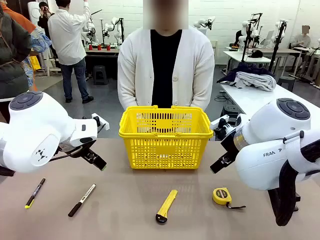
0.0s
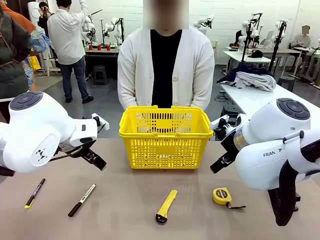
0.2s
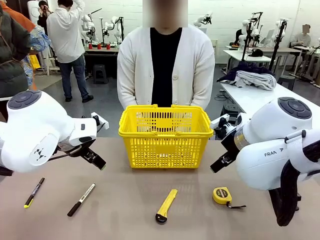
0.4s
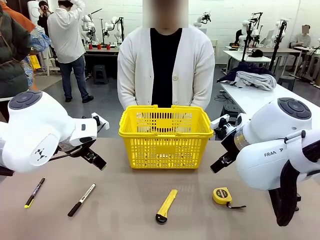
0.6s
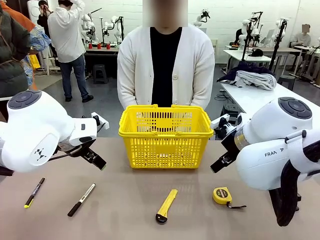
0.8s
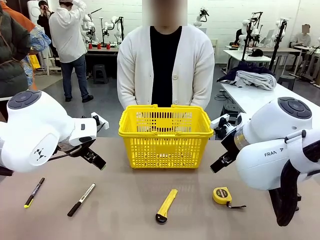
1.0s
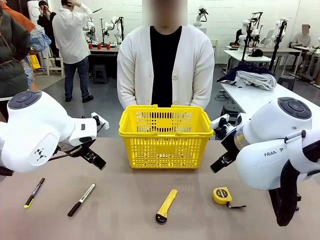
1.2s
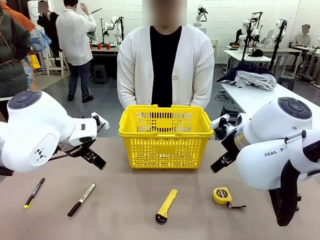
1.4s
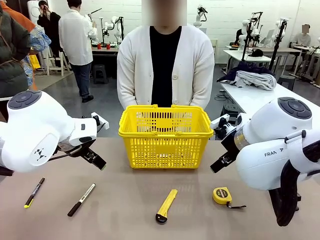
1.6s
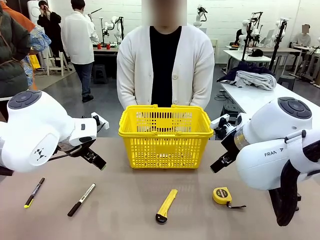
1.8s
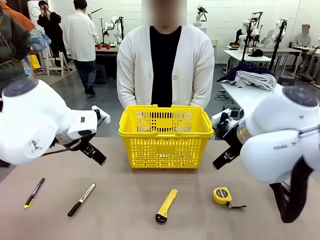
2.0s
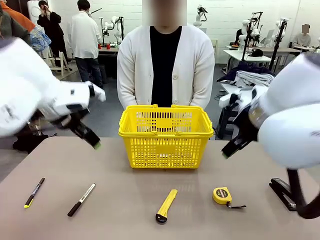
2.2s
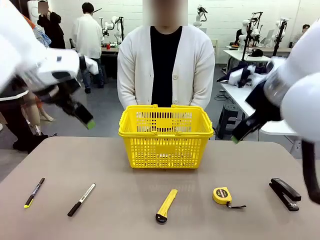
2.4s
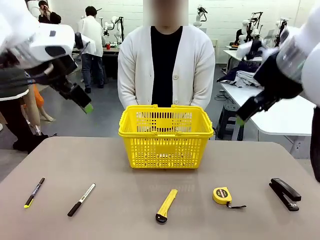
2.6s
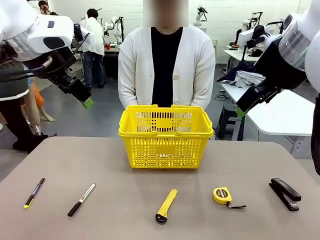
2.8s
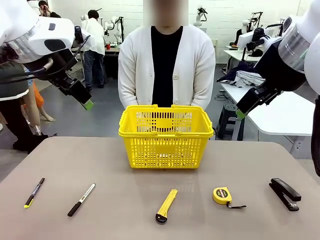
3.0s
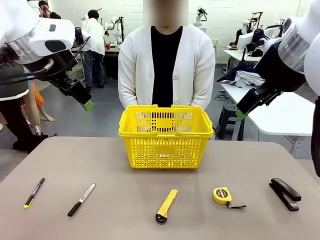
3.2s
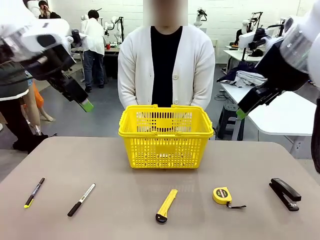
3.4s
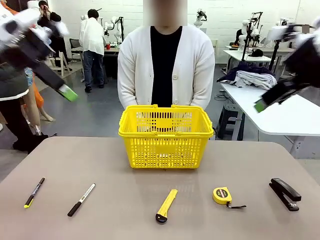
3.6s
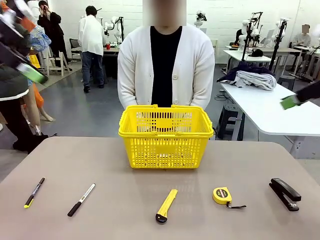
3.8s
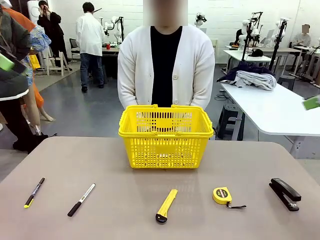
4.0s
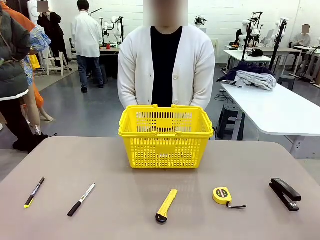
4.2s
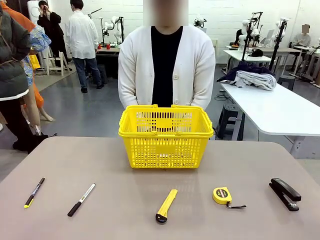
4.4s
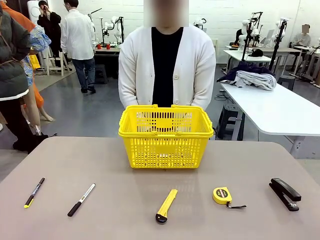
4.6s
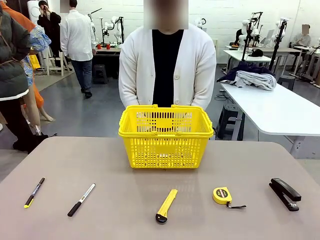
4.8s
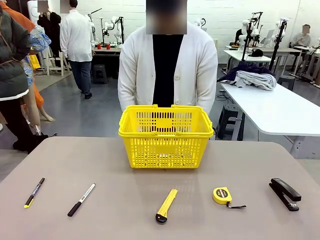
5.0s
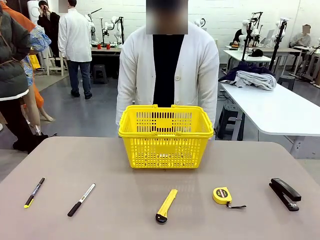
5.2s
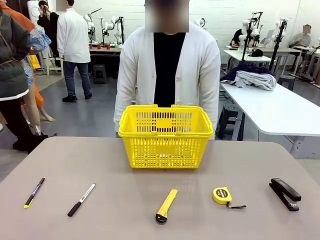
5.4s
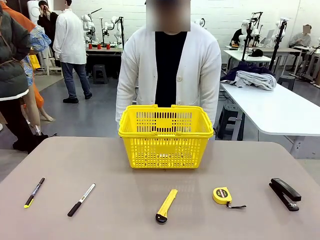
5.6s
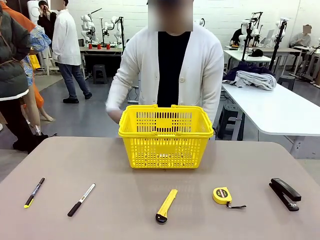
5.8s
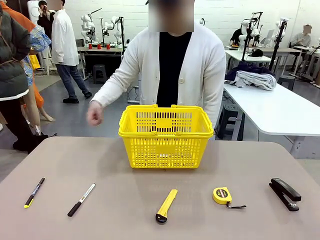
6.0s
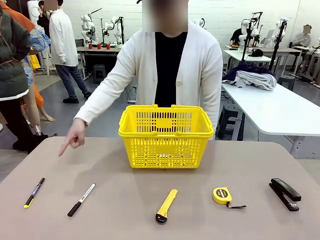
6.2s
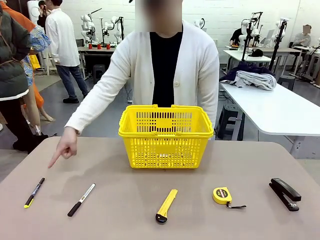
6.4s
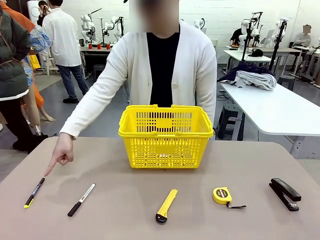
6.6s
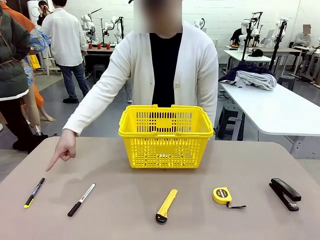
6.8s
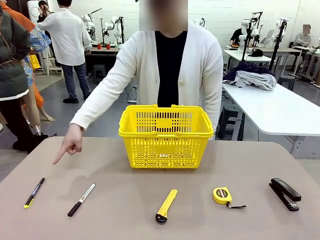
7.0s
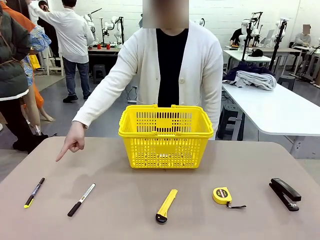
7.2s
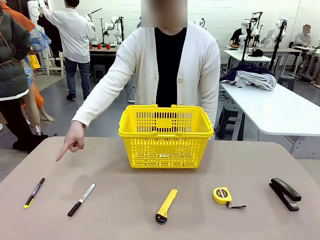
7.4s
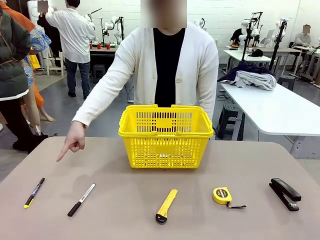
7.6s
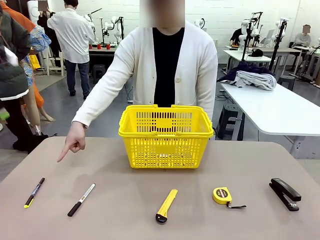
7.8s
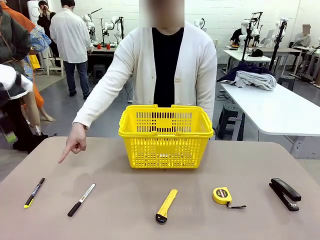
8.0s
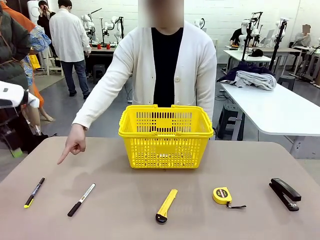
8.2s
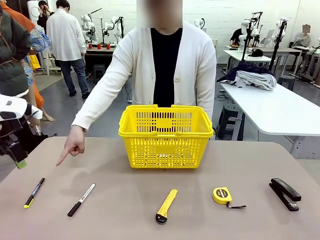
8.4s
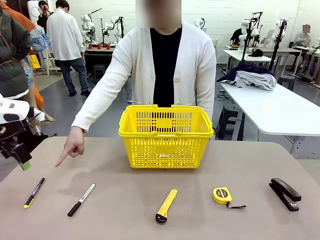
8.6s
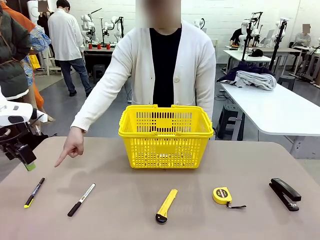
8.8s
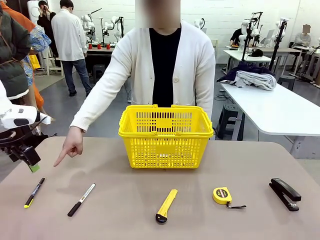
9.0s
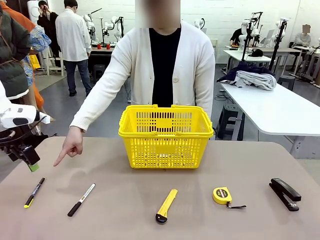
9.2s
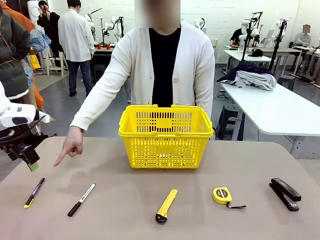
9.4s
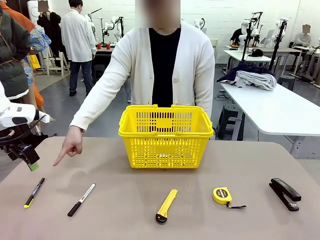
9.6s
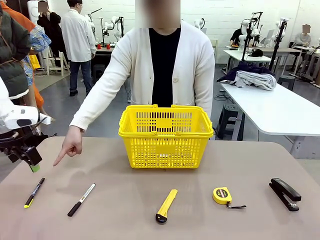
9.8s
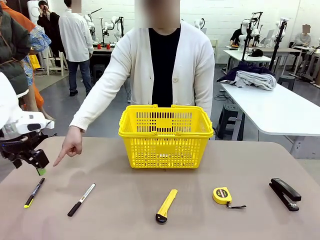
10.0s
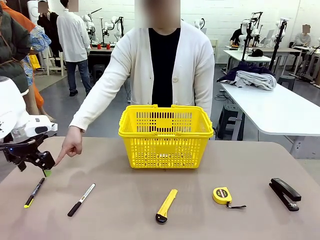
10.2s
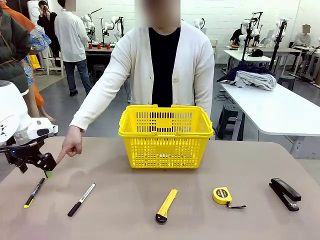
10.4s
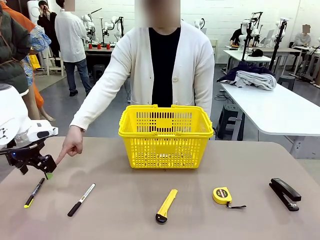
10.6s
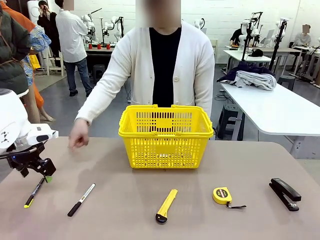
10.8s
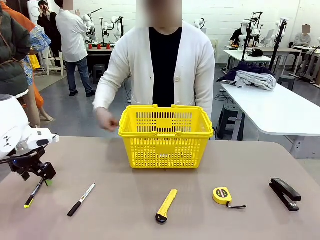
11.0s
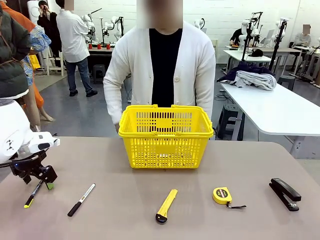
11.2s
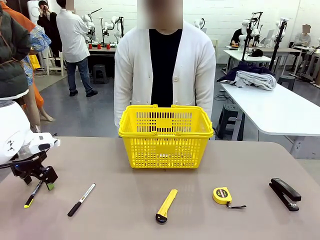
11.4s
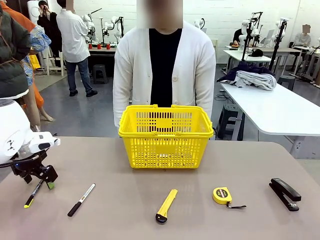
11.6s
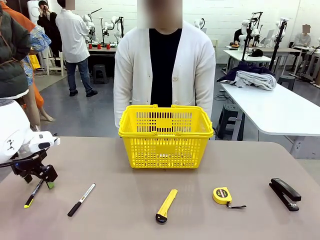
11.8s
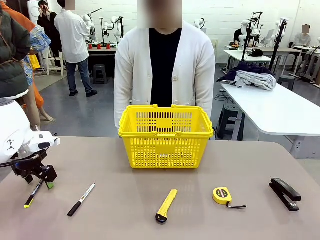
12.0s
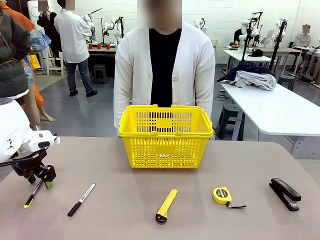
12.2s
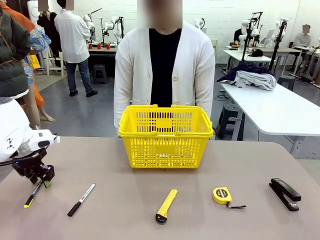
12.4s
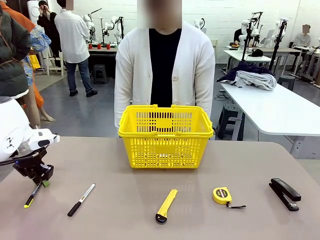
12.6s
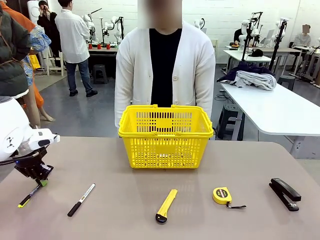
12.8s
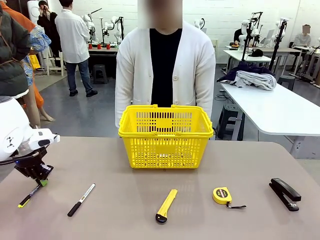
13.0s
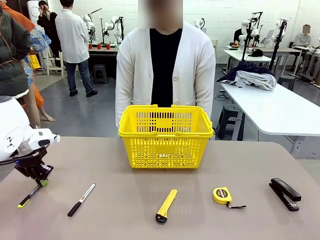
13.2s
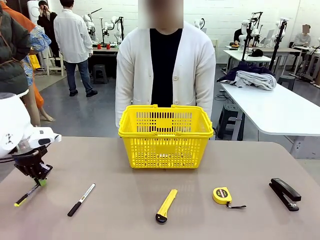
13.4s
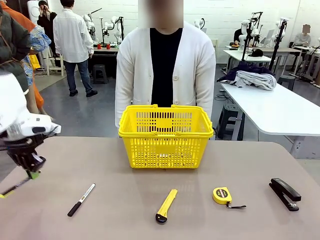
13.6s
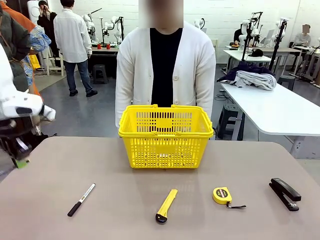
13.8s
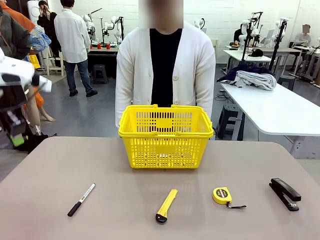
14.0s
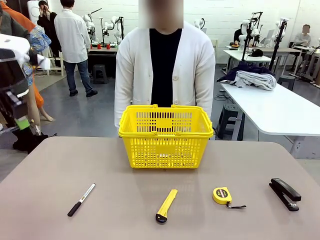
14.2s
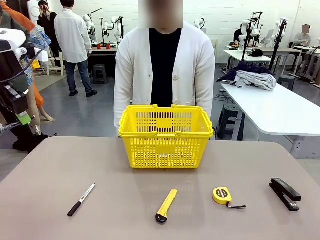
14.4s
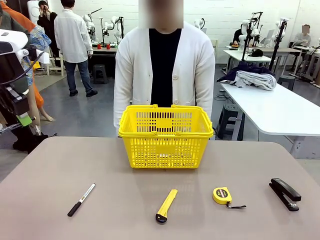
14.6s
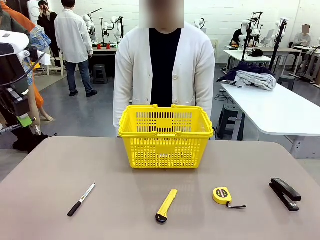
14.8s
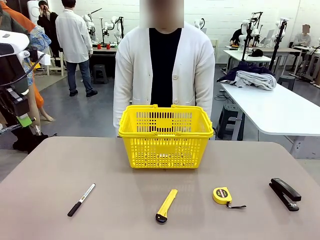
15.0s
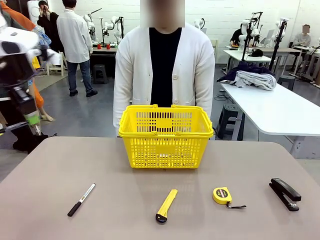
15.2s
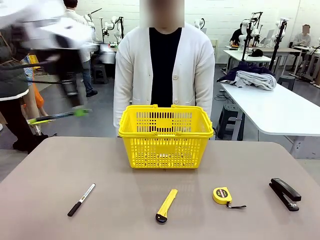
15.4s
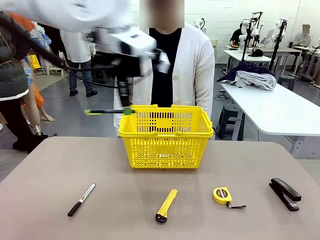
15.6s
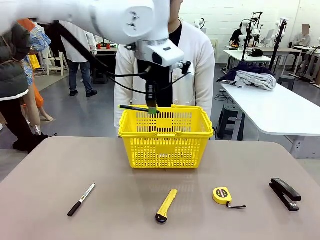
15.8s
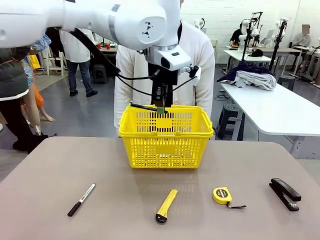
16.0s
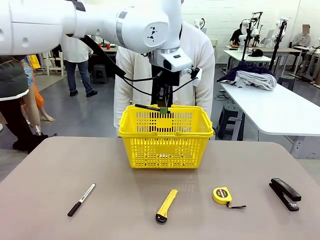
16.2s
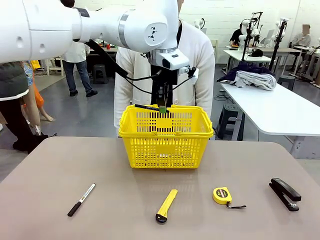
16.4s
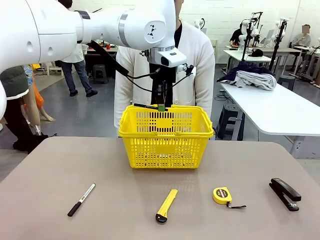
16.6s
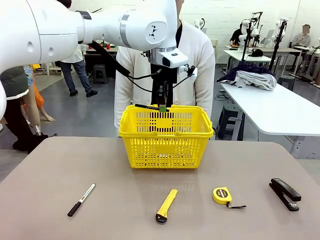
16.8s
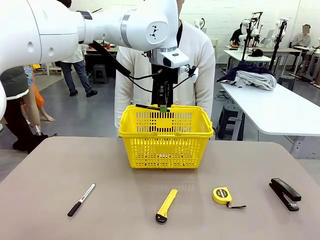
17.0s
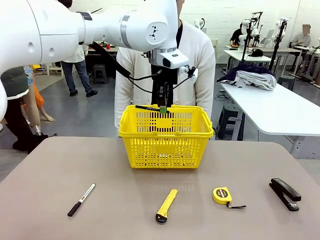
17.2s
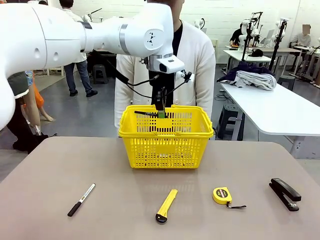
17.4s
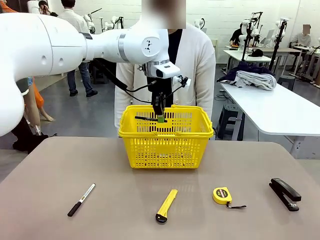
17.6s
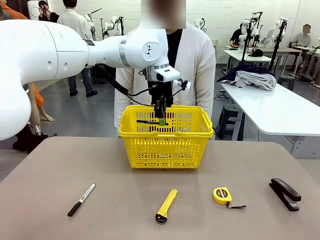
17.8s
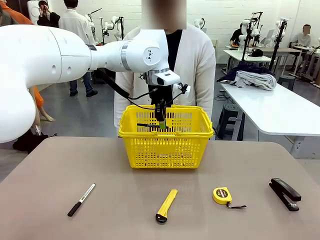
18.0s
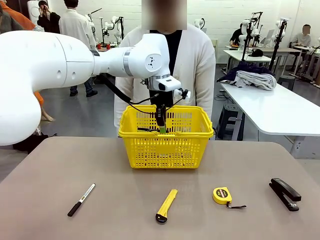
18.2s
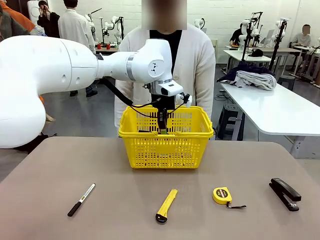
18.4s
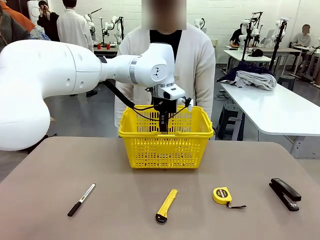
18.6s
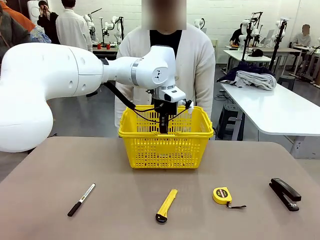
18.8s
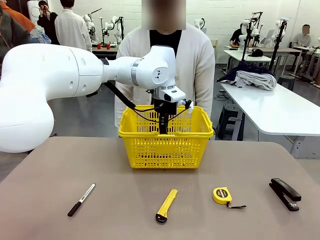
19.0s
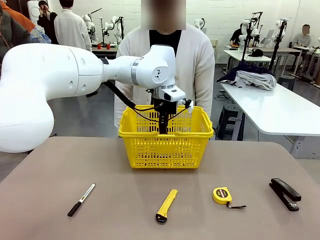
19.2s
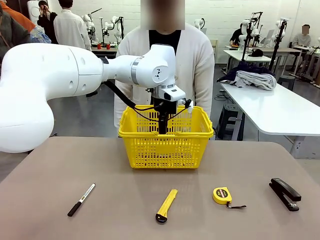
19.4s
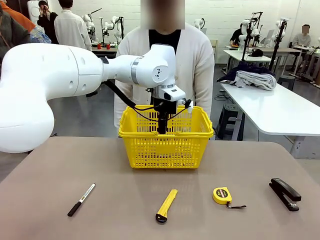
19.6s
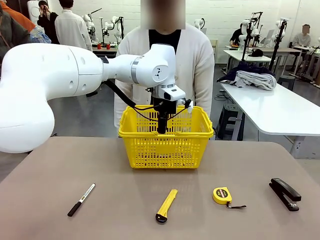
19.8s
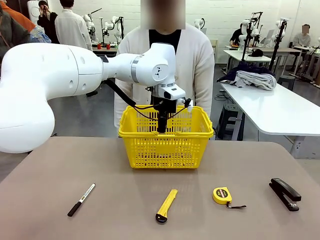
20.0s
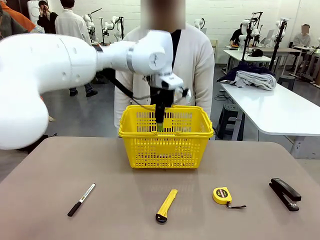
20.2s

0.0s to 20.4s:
Task: Place the items the person wants into the basket.
Robot: Pick up the item the person points to and place it in the Market Basket.
